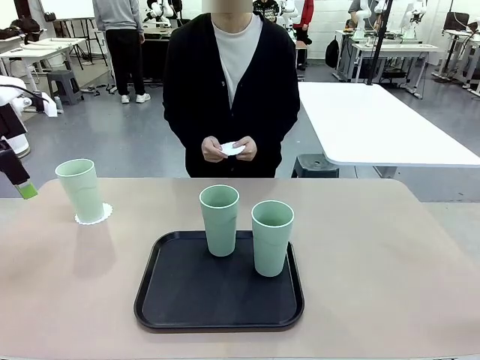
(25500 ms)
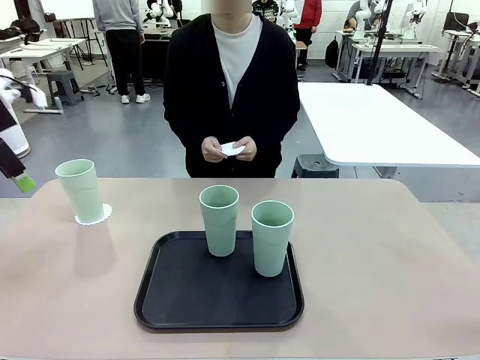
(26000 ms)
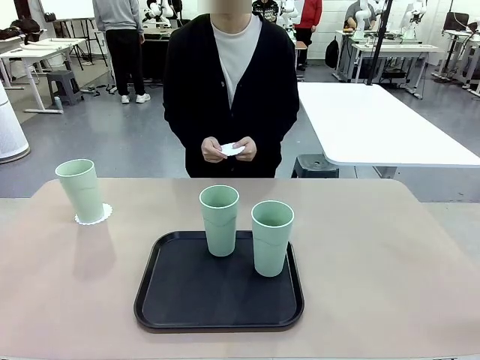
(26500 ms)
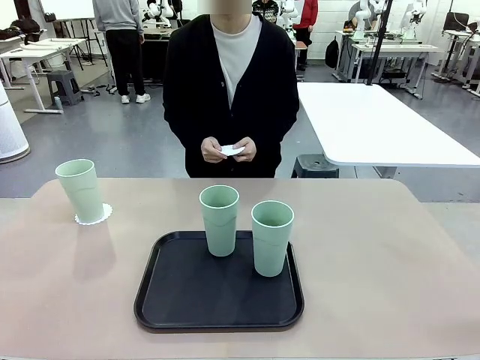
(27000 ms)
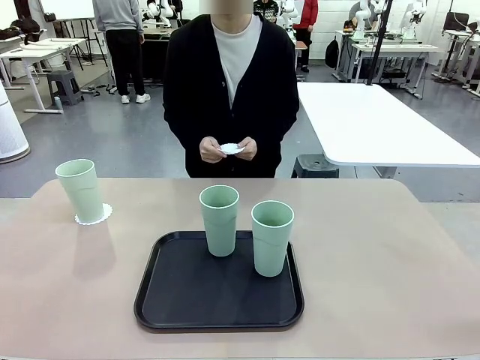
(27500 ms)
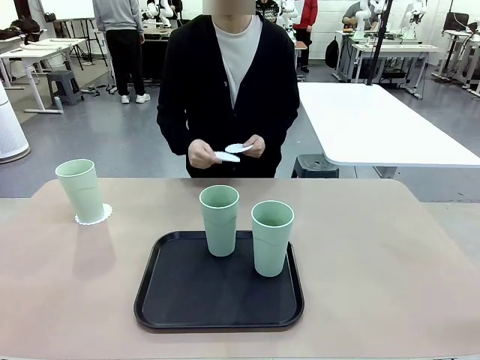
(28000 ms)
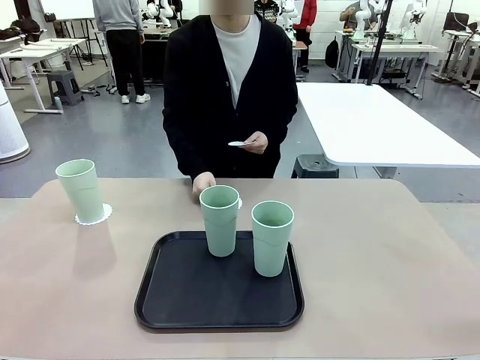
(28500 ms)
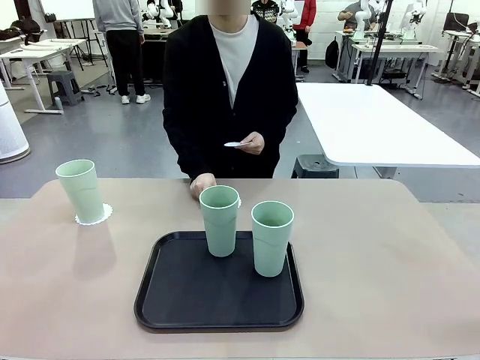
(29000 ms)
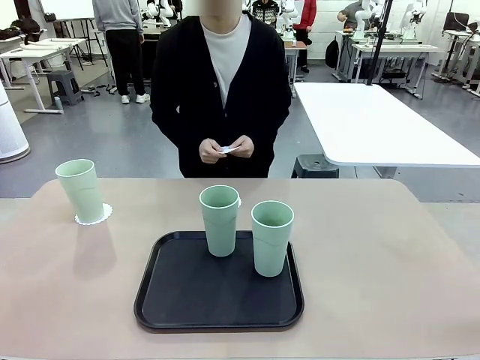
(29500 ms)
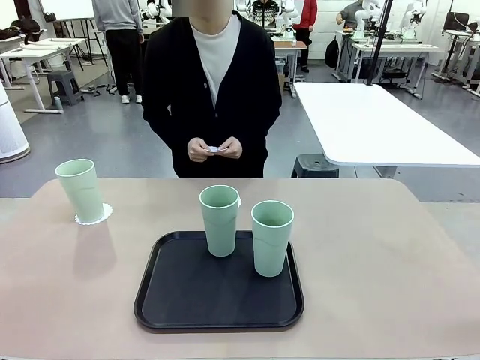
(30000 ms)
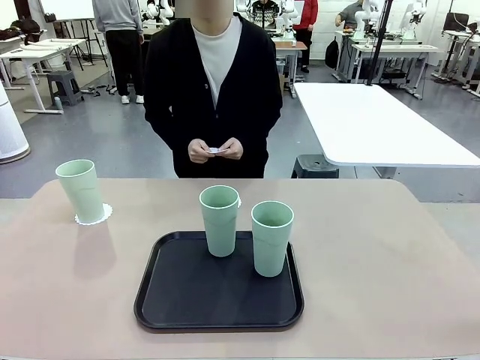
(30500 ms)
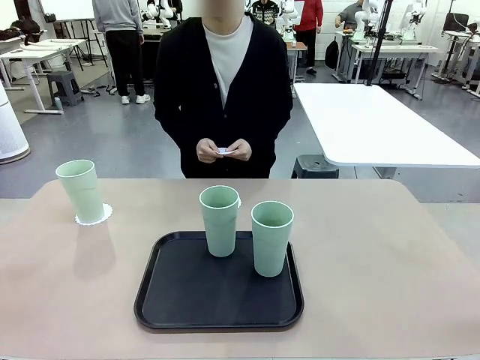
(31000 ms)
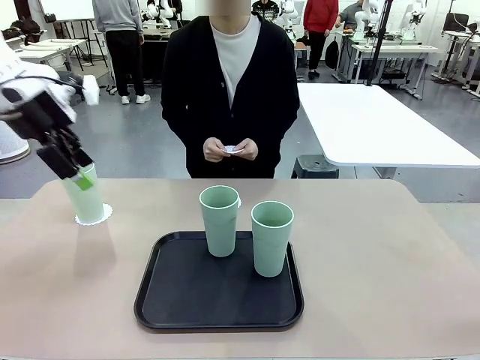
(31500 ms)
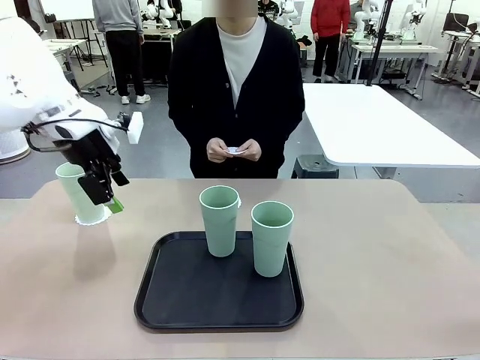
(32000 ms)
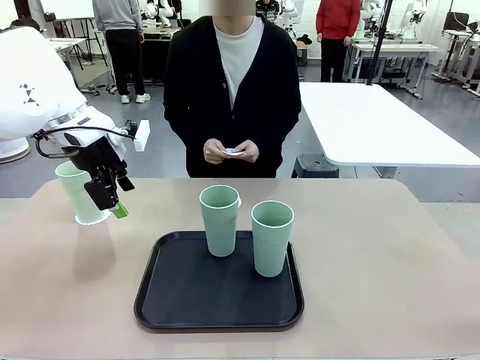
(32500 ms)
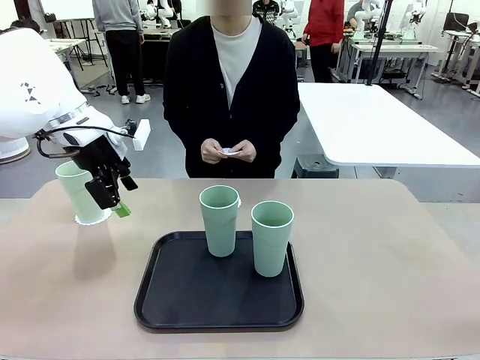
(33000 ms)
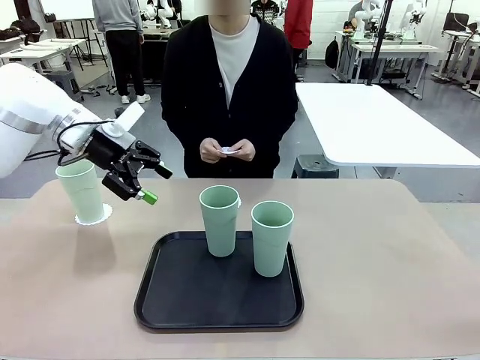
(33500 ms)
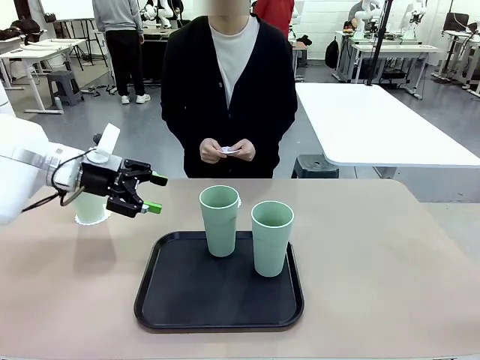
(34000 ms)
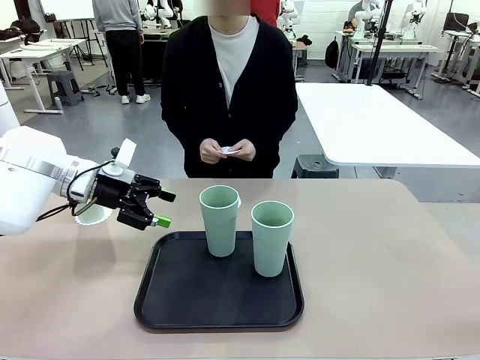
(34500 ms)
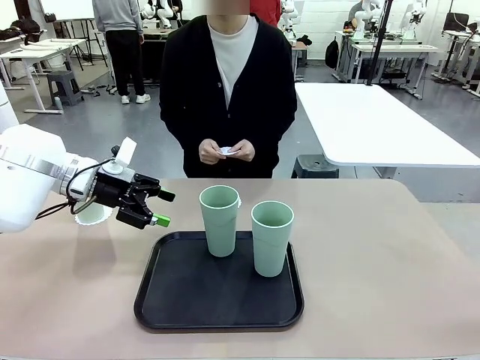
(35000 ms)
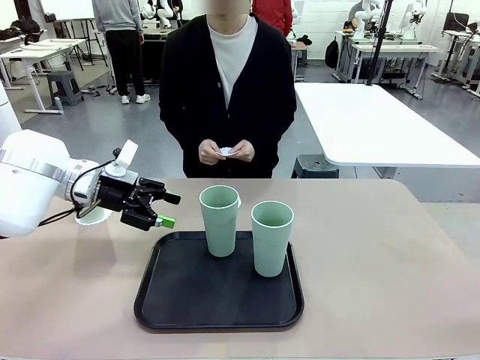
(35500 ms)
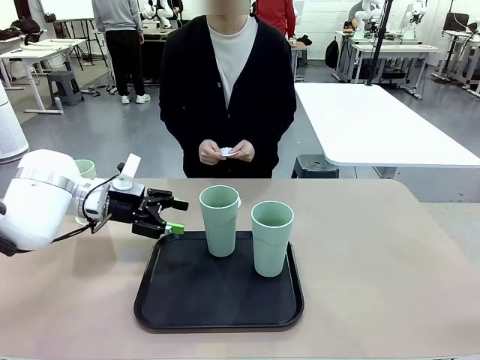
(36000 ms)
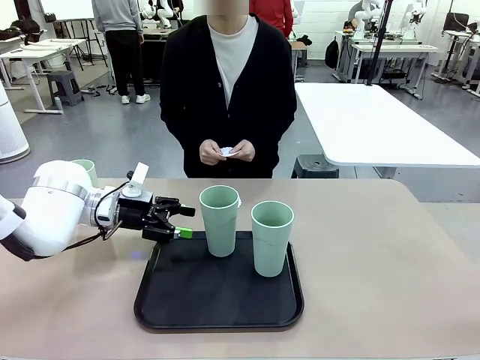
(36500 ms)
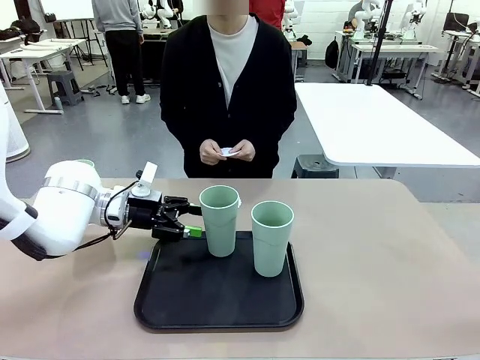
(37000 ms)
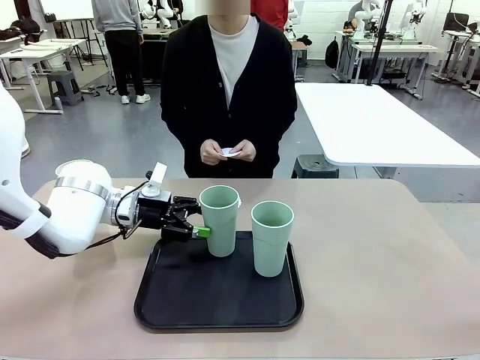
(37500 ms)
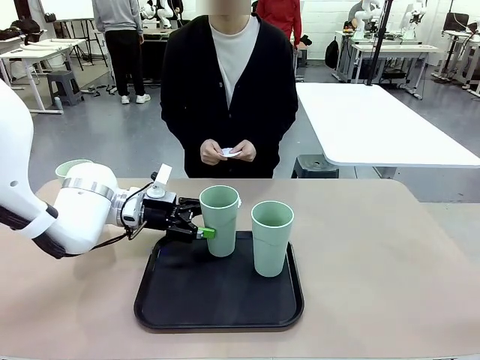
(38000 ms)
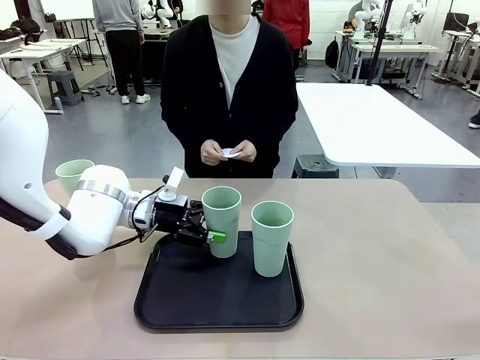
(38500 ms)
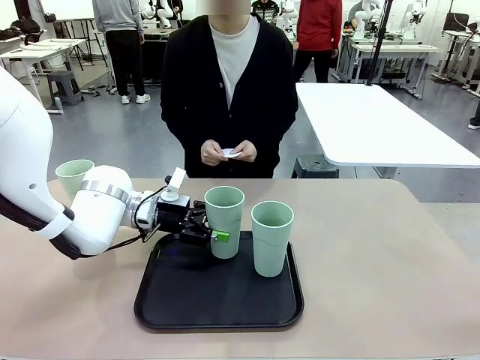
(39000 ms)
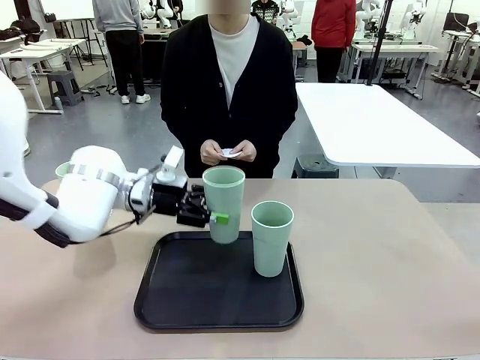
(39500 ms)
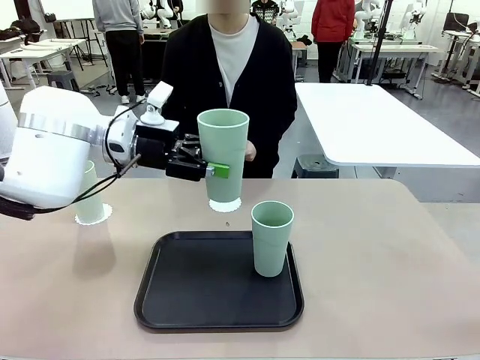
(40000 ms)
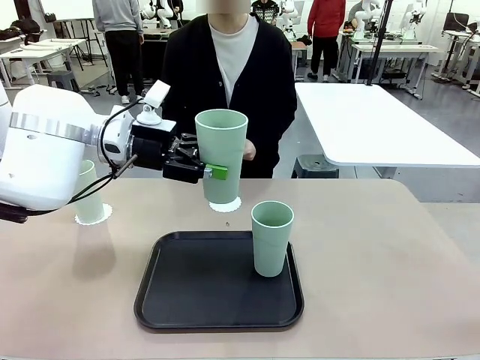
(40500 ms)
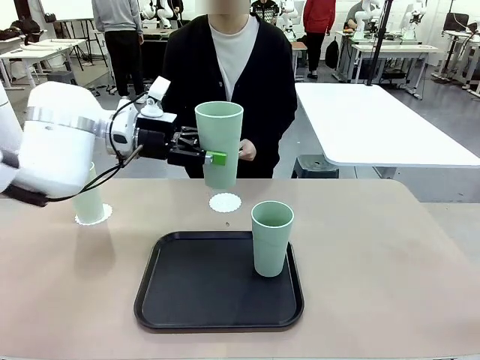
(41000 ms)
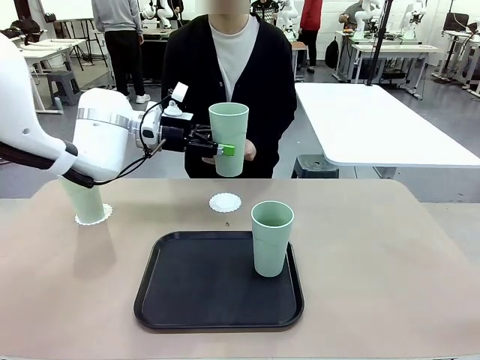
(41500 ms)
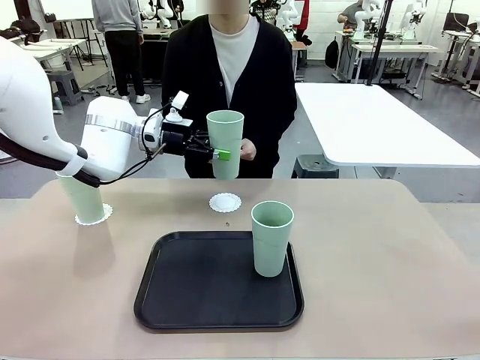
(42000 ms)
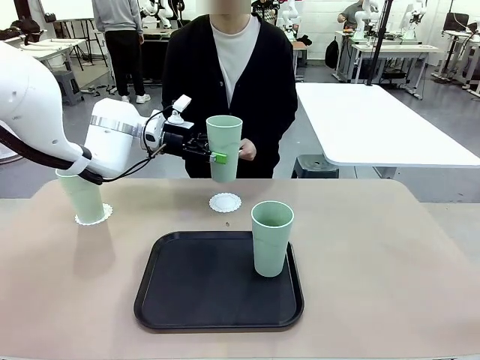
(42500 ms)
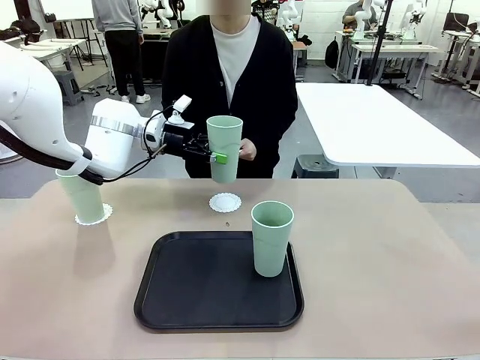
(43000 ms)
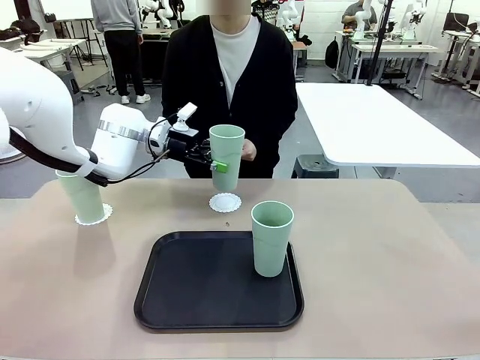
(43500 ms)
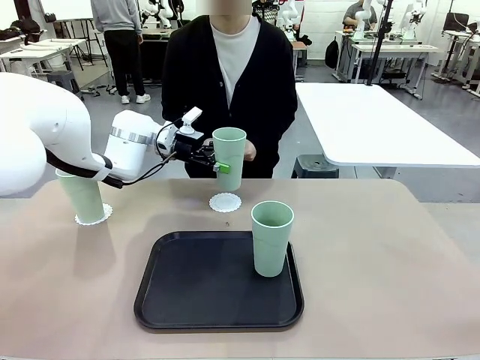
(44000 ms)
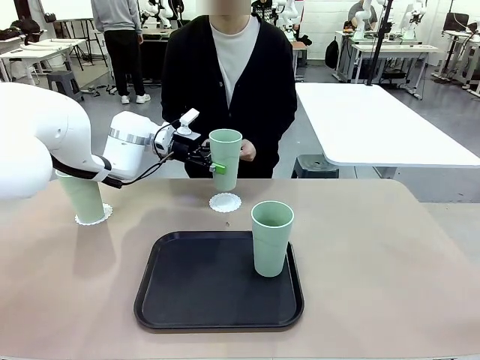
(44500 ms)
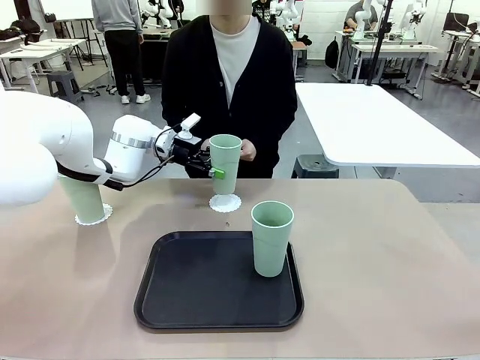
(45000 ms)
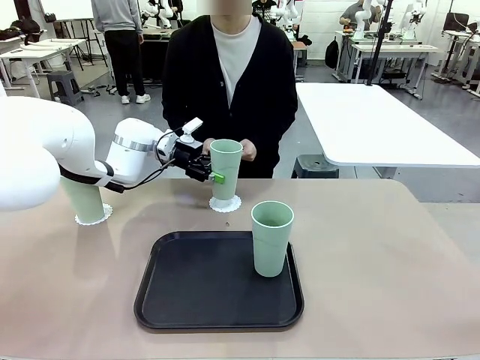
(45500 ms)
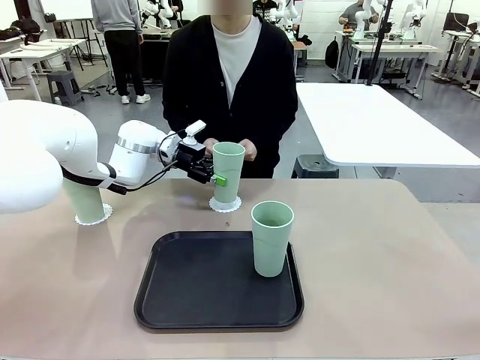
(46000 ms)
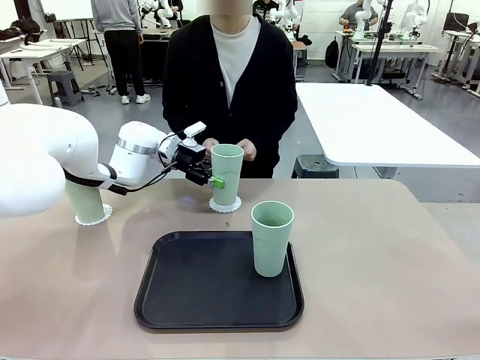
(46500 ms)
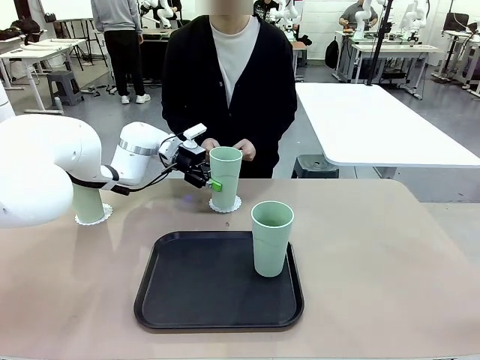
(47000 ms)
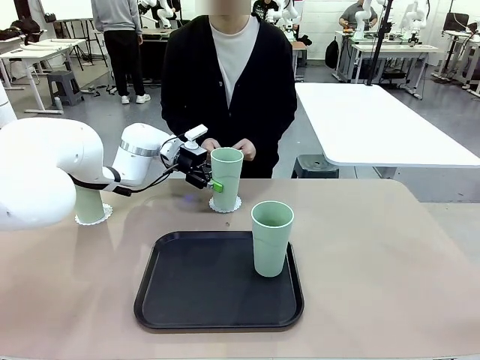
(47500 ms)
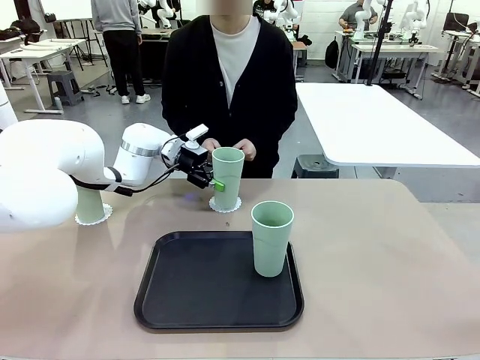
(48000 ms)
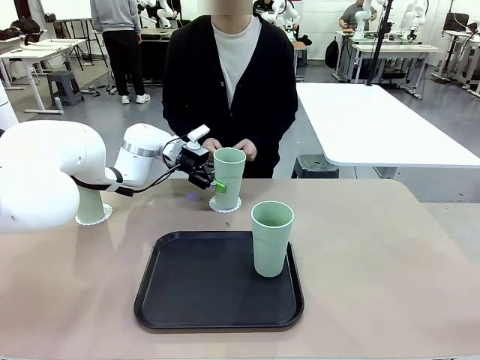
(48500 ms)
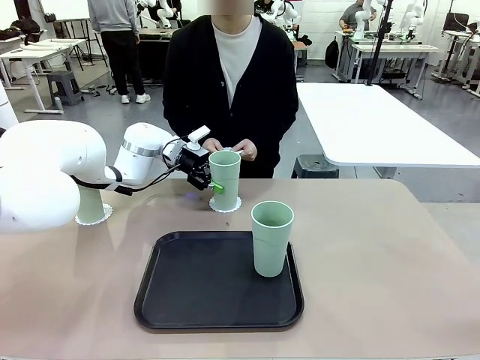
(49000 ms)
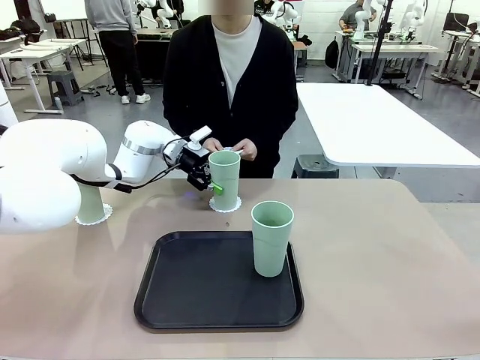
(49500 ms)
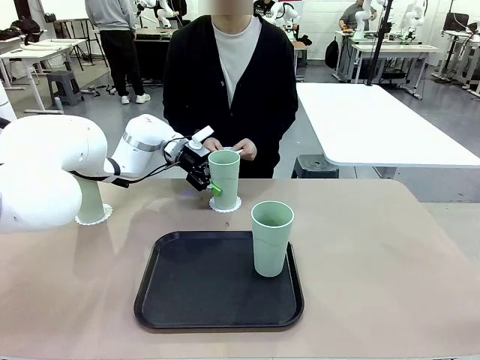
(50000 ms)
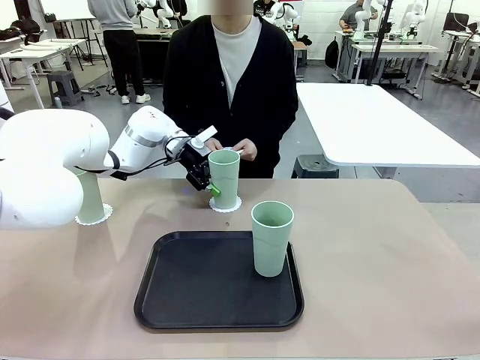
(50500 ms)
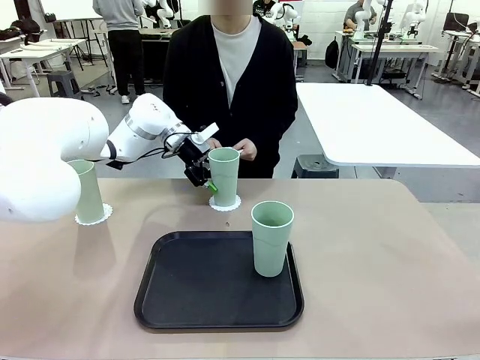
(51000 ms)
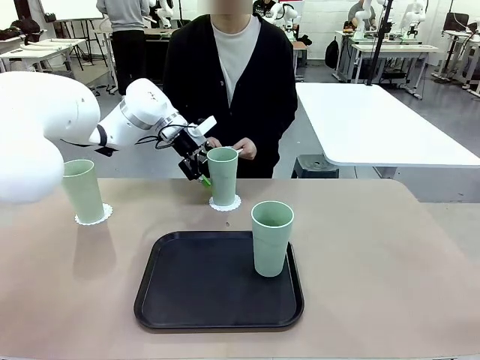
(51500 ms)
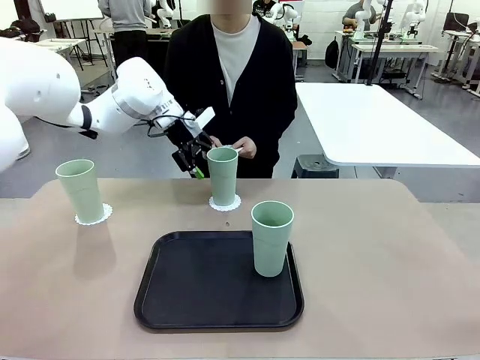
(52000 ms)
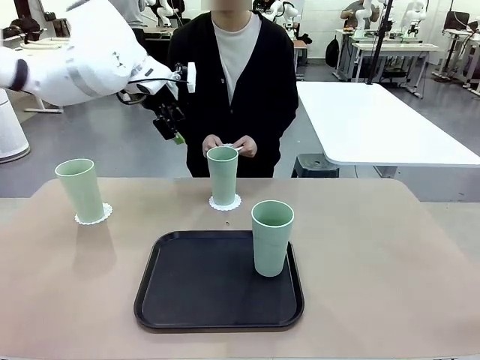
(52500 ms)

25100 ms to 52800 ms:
Task: Place coasters on the table and set cups on them.
Robot: Take one Reusable plastic cup from the Flat Tray and place it on a coaster set by the human.
